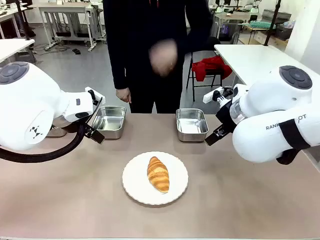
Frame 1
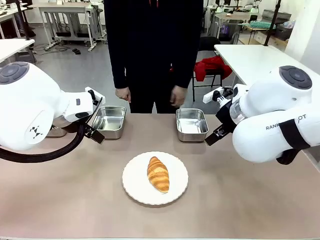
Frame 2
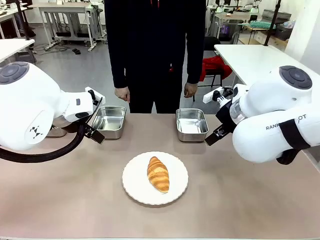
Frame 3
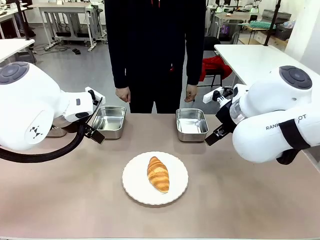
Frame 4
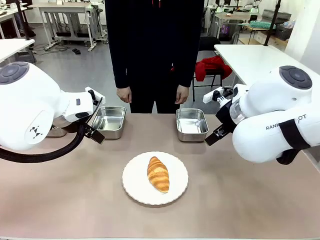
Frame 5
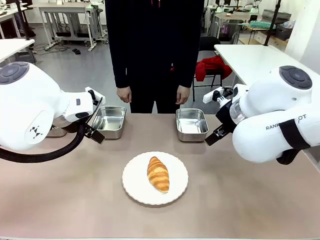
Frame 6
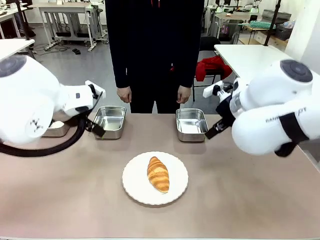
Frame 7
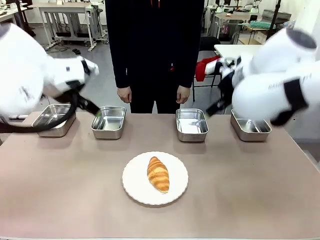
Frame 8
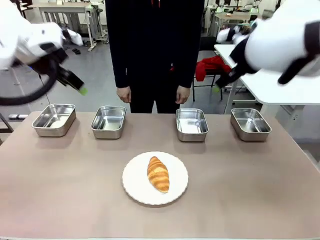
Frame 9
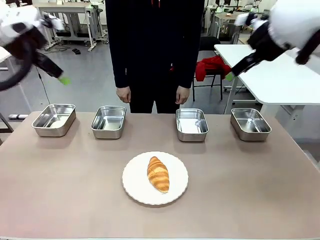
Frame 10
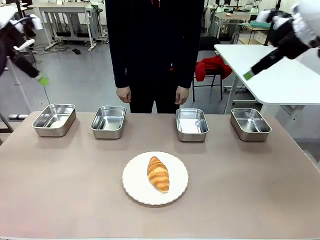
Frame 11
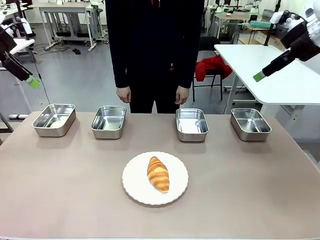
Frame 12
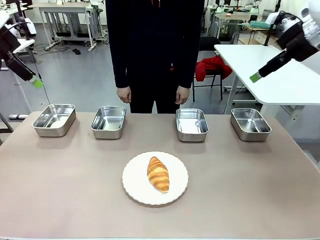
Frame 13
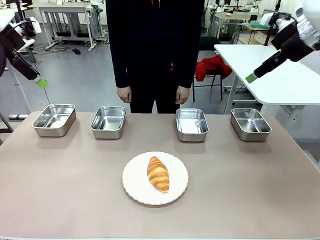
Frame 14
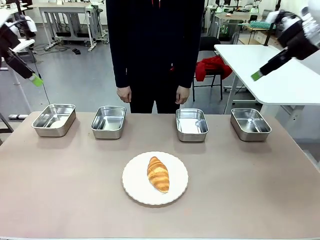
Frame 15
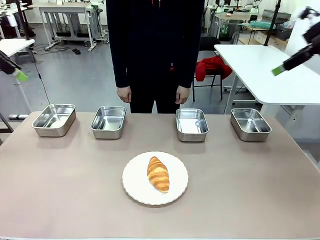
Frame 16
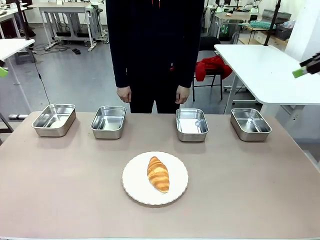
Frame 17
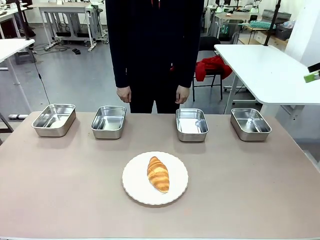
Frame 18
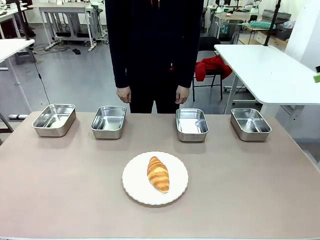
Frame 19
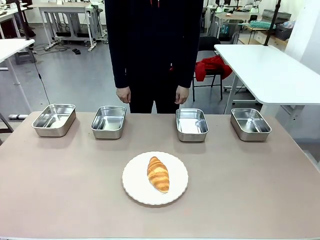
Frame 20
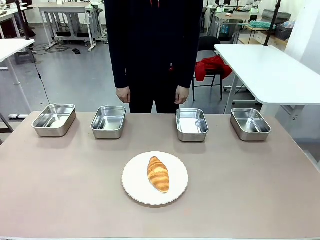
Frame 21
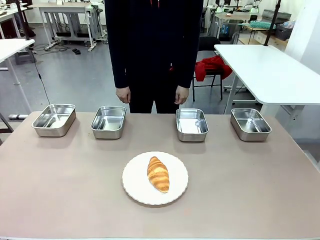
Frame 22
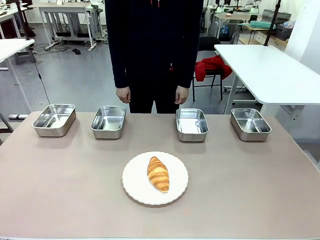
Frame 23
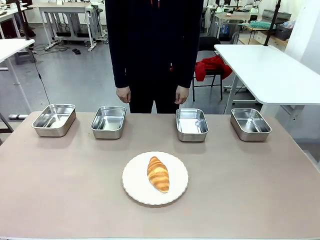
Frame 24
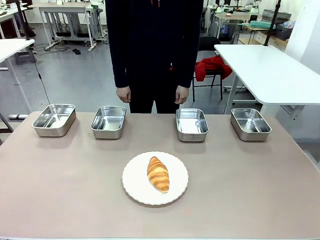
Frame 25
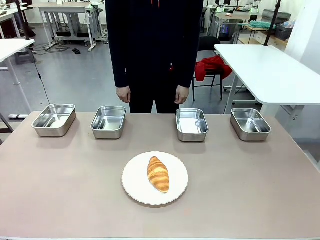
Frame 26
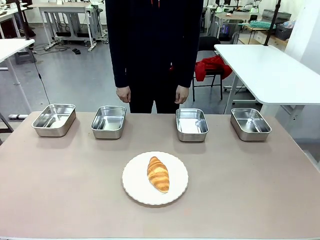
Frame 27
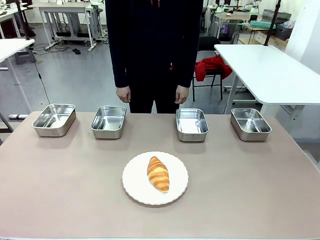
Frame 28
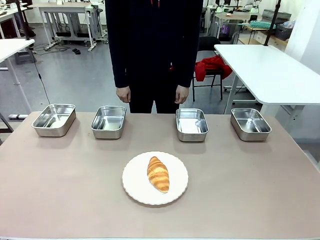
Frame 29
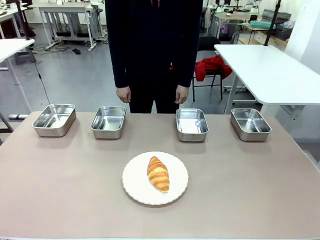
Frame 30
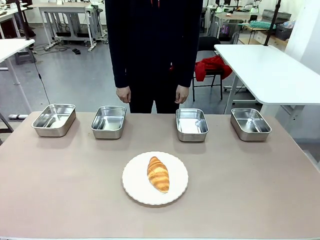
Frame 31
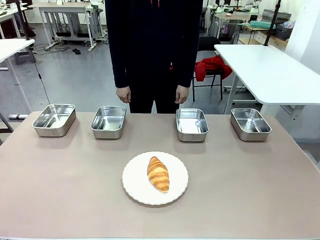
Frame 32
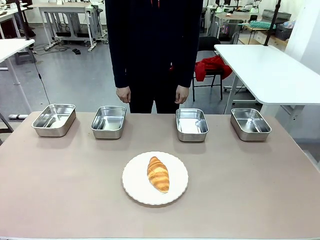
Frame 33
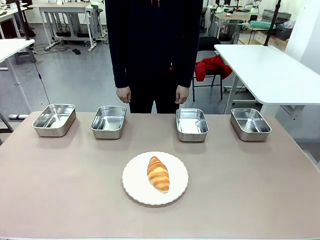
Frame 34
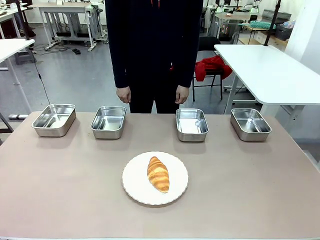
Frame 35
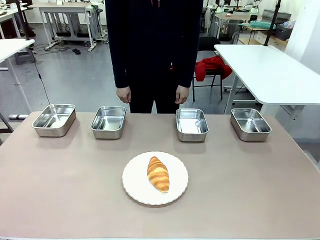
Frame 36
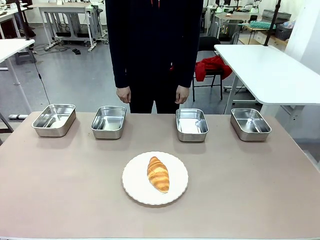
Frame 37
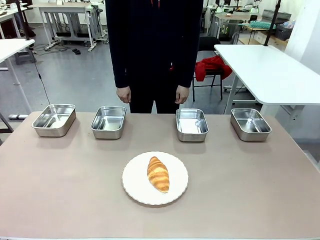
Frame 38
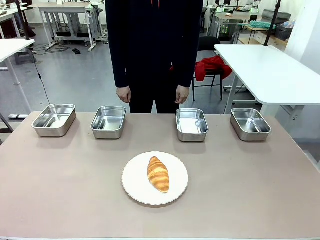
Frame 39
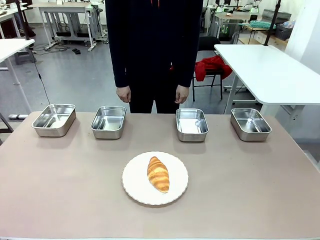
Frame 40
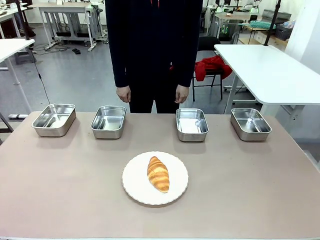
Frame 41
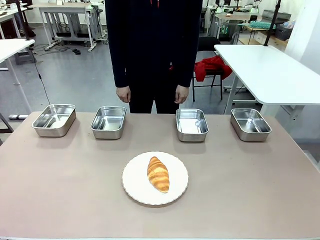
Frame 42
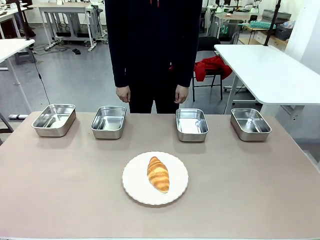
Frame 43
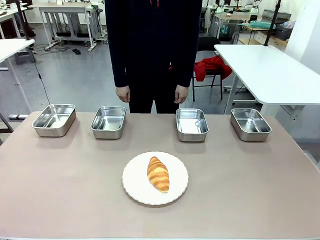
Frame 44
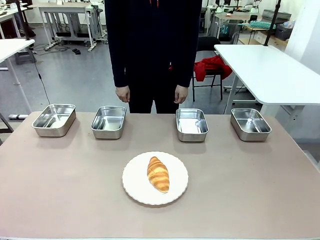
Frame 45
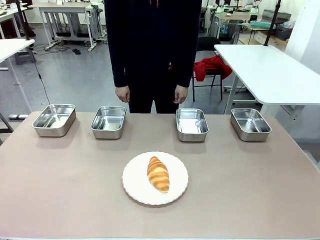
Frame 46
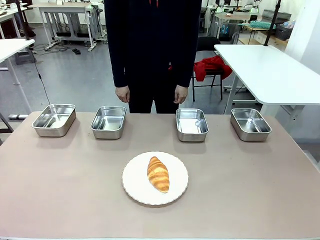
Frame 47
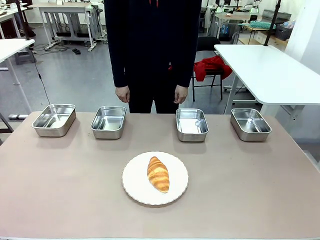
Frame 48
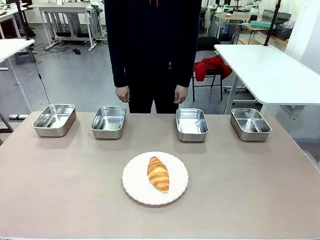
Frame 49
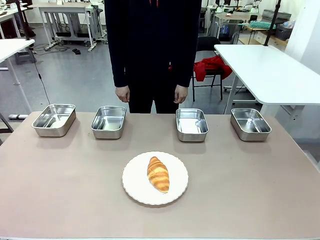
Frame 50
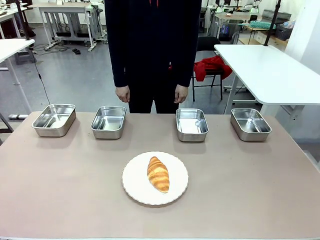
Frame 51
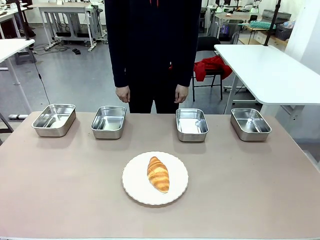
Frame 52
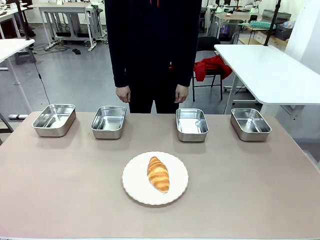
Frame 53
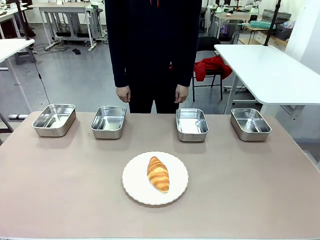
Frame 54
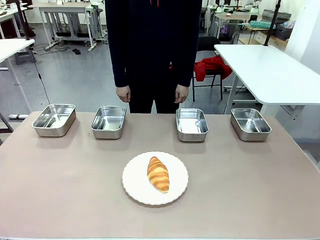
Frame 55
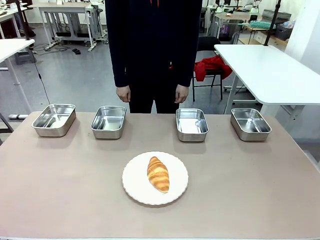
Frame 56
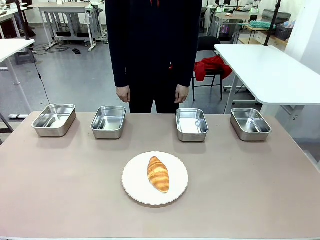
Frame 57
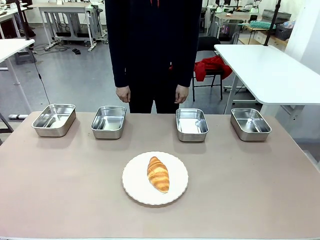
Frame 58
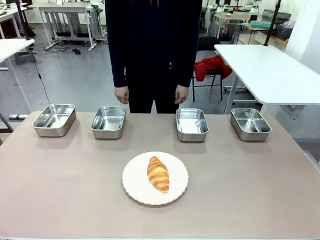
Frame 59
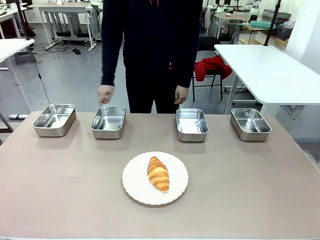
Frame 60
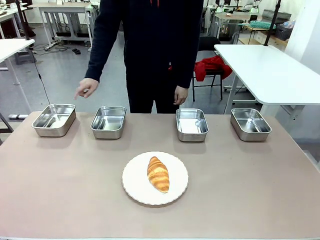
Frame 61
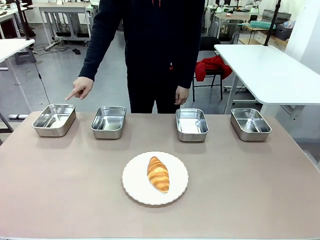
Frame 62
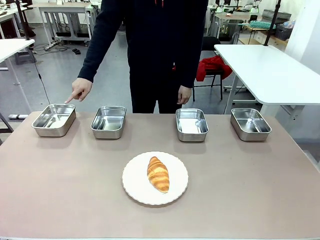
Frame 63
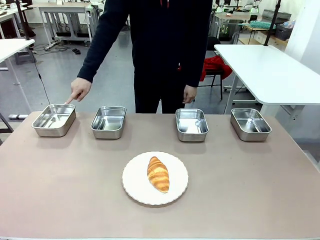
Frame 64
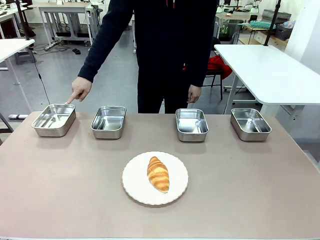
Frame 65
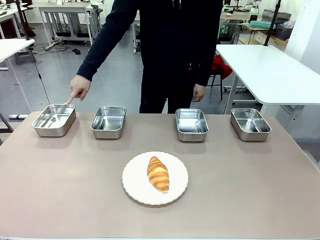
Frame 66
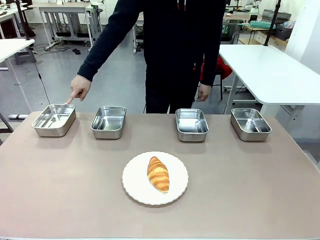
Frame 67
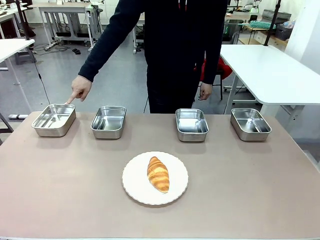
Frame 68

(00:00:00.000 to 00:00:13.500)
Task: Place the bread in the container.
Robot: Place the Butter Roll into the Airtight Container indicated by the human.

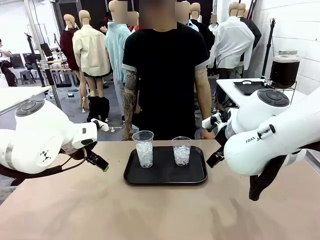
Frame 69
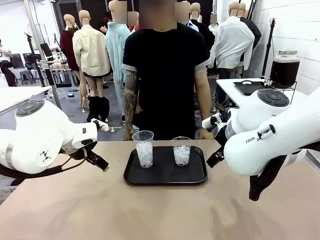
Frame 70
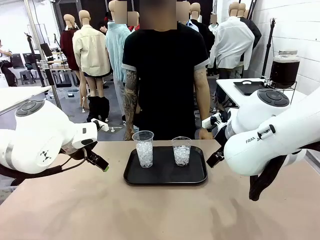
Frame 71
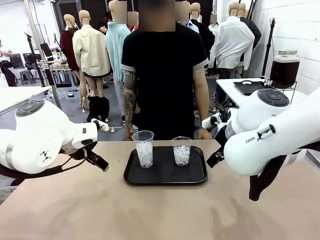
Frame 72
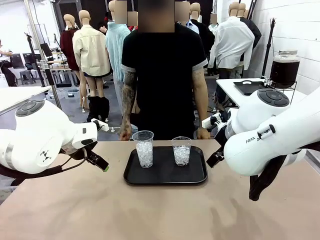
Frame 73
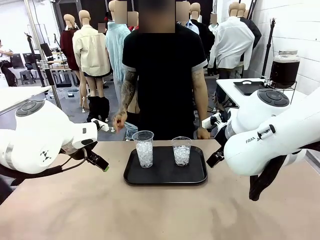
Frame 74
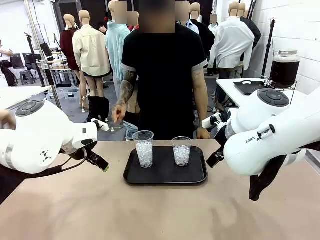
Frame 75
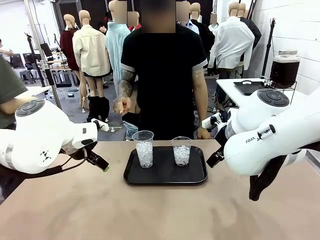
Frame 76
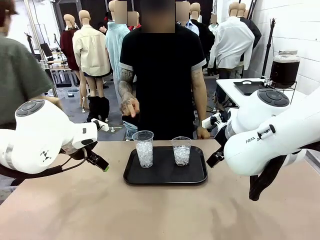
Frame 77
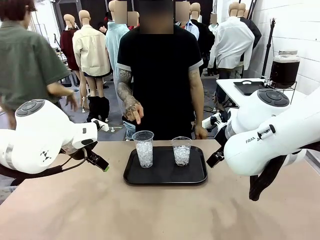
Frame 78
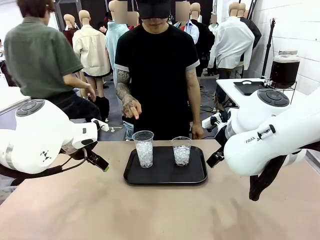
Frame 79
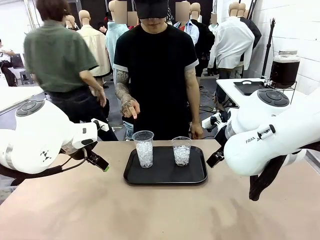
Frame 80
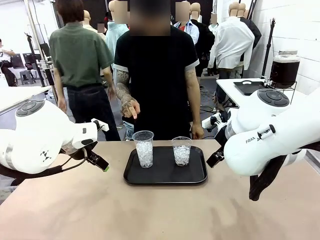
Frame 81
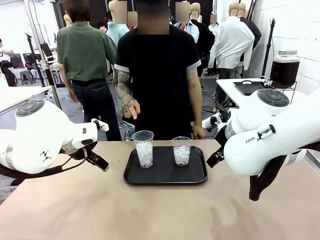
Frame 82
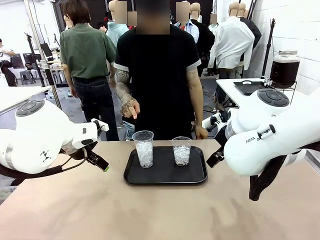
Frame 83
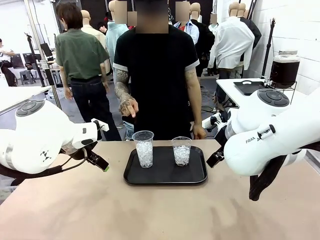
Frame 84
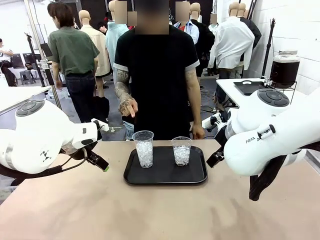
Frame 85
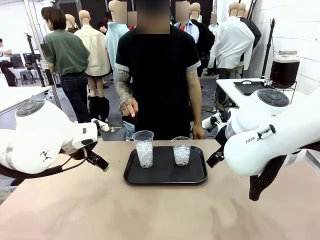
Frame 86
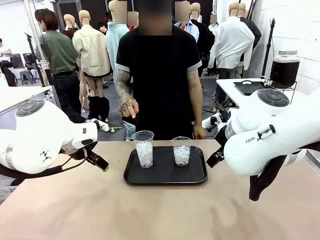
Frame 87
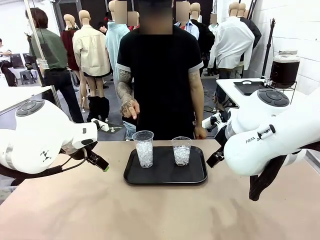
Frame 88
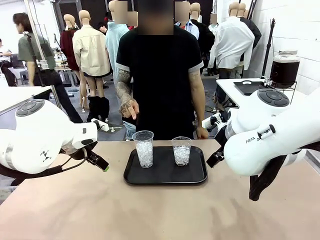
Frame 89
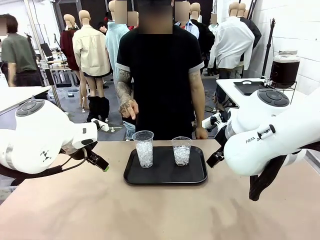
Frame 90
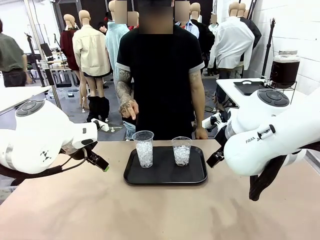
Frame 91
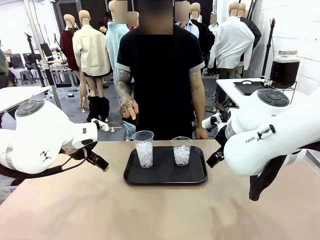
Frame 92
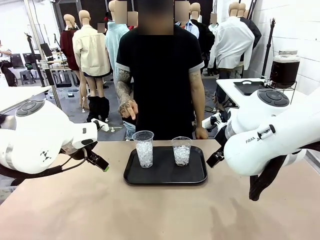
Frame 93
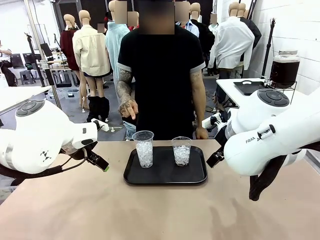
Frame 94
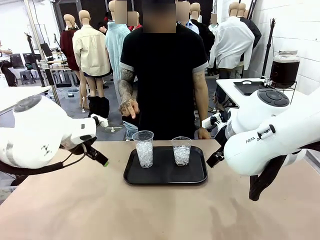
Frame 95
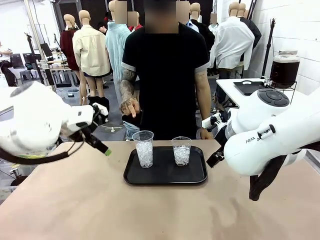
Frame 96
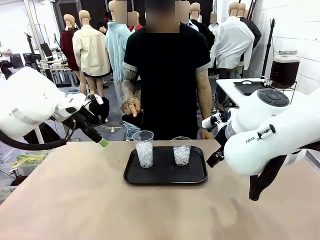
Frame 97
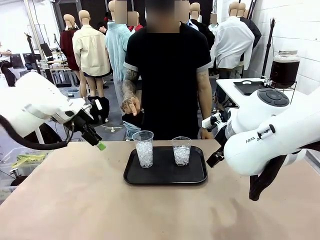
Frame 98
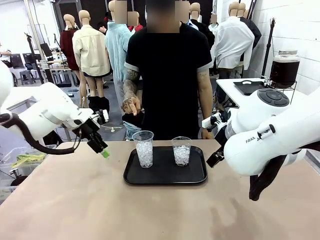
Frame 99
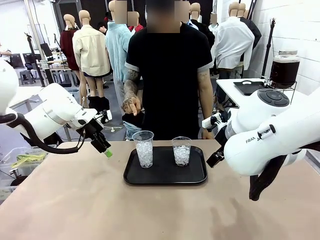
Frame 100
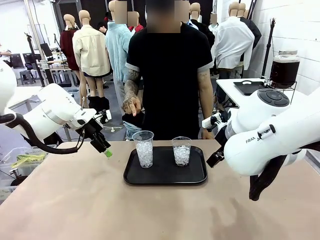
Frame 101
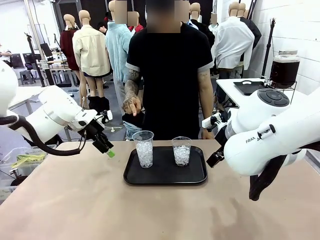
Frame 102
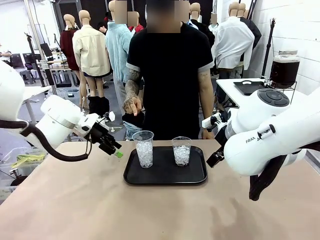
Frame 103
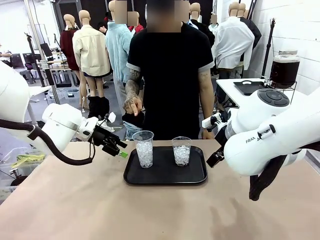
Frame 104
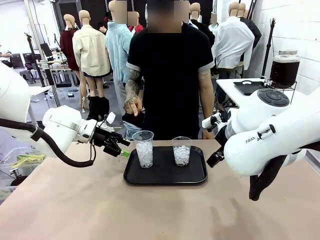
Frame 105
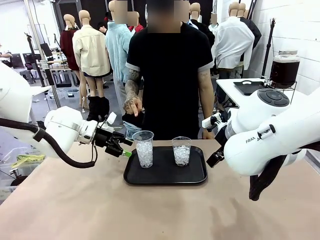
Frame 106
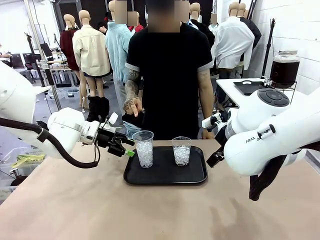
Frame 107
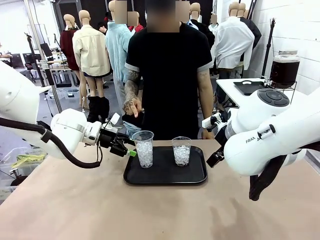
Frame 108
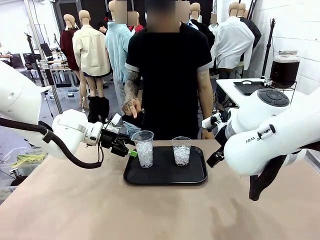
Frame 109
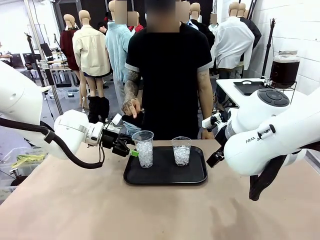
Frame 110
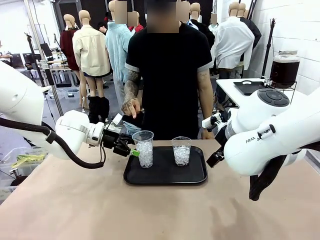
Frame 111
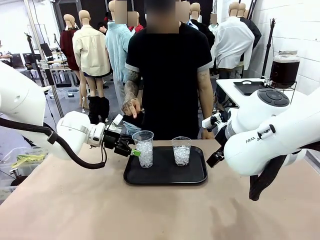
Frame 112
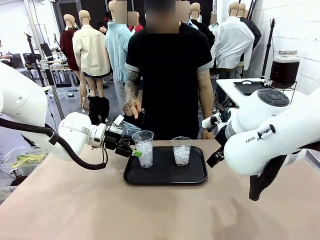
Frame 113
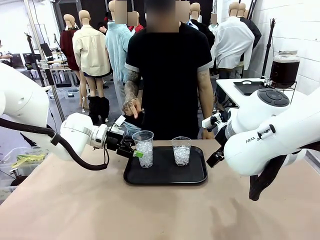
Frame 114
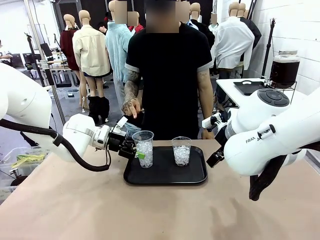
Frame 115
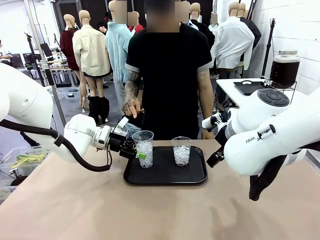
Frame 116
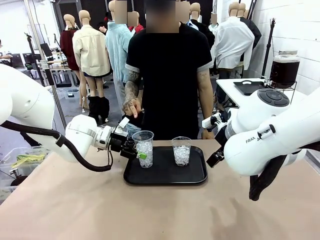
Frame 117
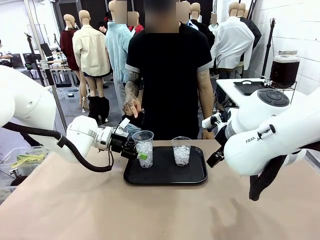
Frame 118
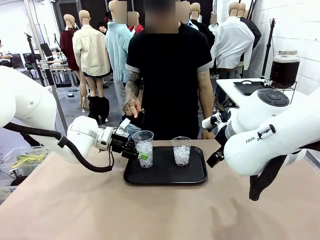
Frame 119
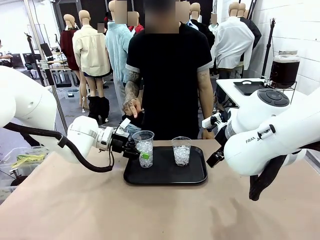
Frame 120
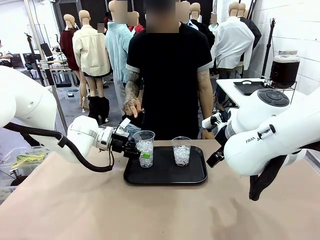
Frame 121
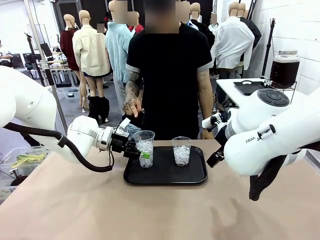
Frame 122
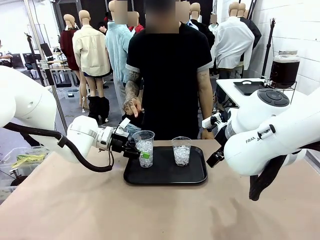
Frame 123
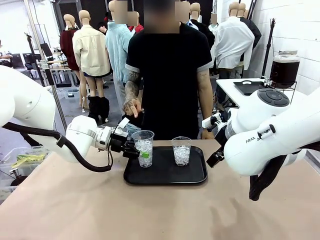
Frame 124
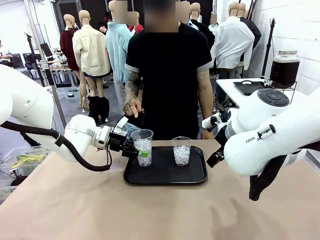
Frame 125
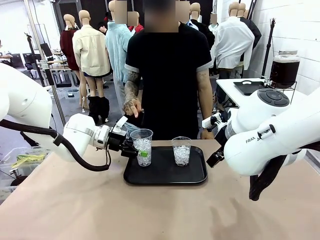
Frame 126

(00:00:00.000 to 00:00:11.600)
Task: Pour the drink into the iced cup.
Robot: Pick up the iced cup indicated by the human and present it to them.
Person: Point to one of the two ice cups. Pick up the cup offered by the robot.
